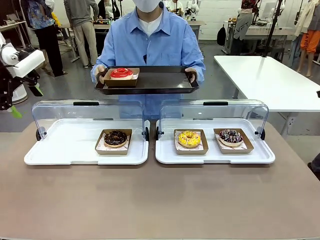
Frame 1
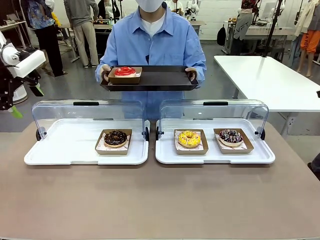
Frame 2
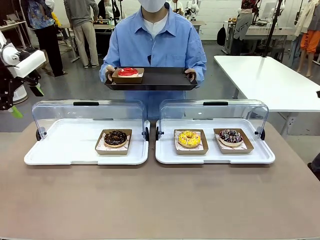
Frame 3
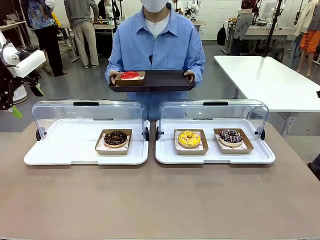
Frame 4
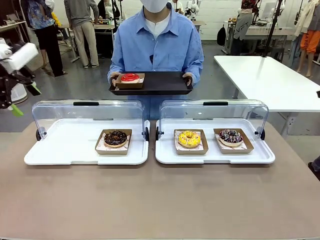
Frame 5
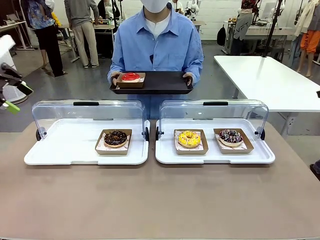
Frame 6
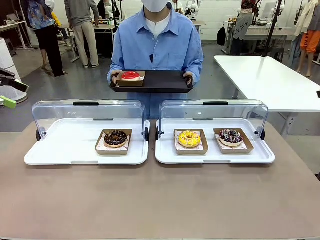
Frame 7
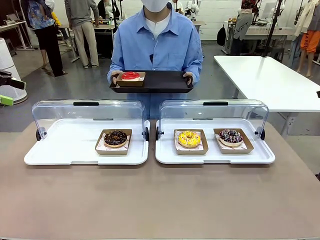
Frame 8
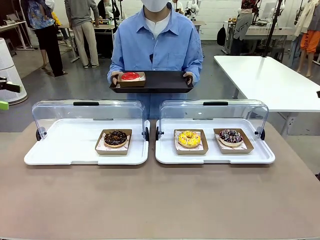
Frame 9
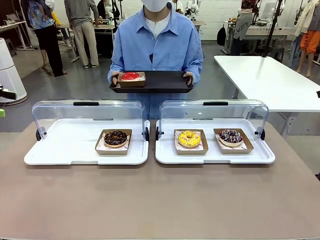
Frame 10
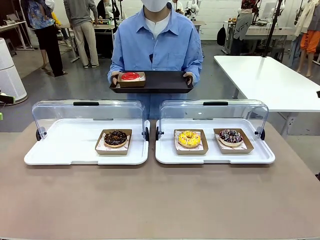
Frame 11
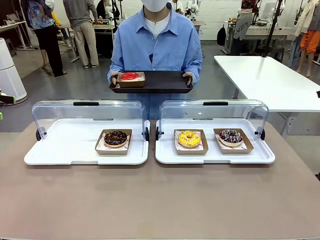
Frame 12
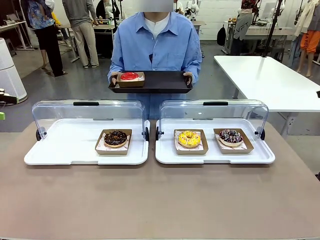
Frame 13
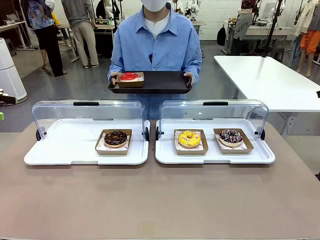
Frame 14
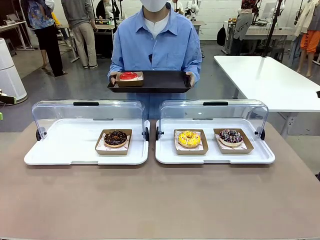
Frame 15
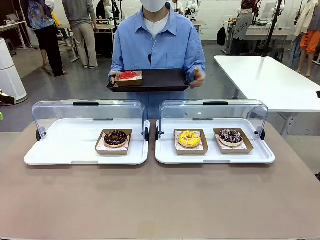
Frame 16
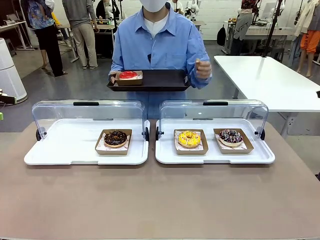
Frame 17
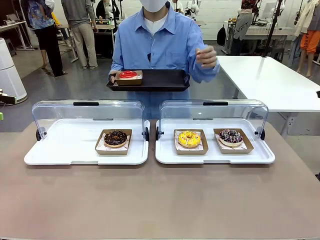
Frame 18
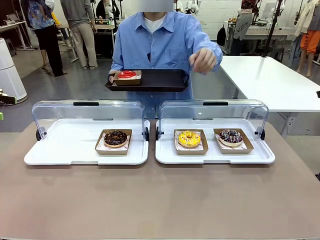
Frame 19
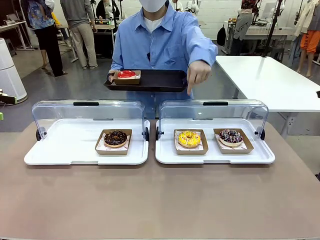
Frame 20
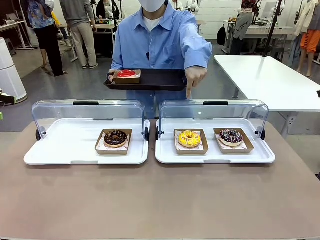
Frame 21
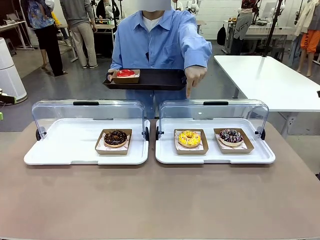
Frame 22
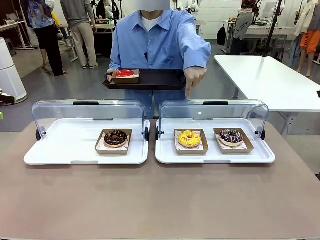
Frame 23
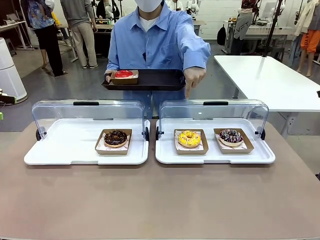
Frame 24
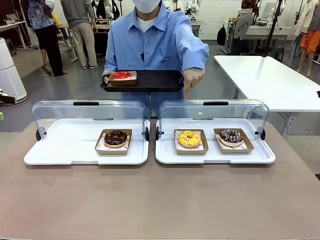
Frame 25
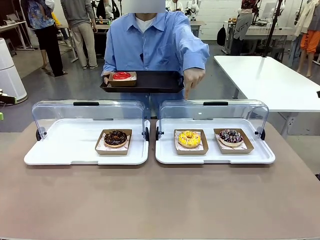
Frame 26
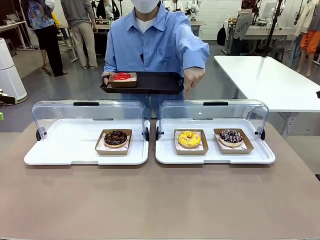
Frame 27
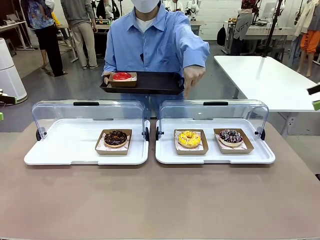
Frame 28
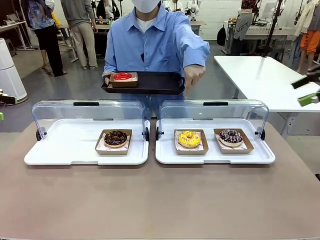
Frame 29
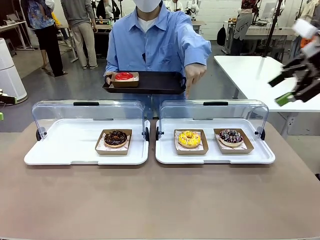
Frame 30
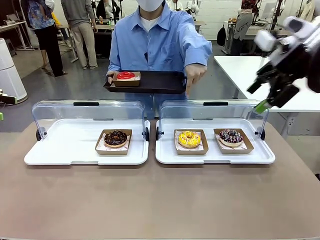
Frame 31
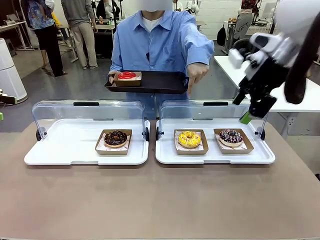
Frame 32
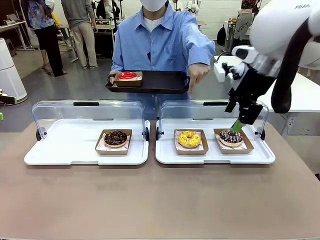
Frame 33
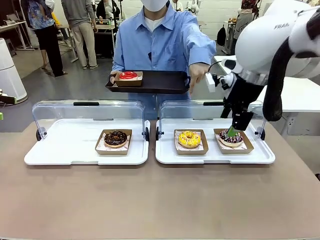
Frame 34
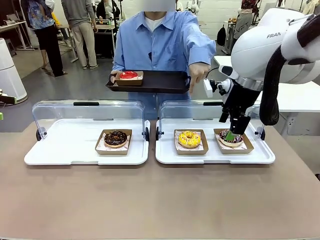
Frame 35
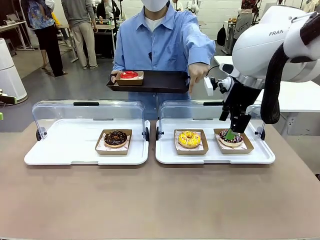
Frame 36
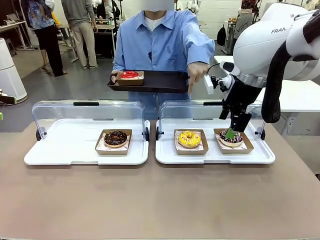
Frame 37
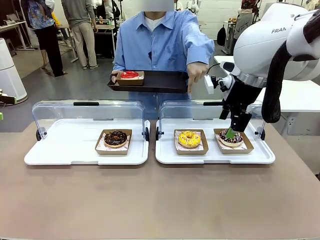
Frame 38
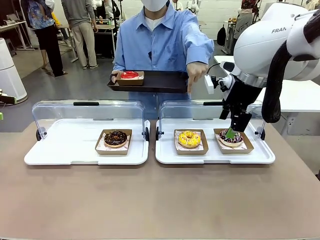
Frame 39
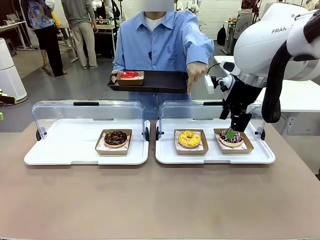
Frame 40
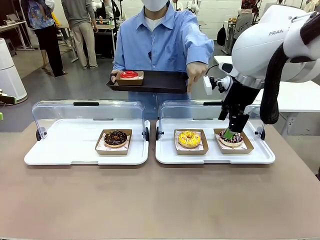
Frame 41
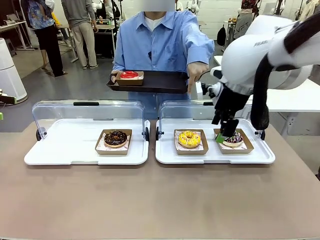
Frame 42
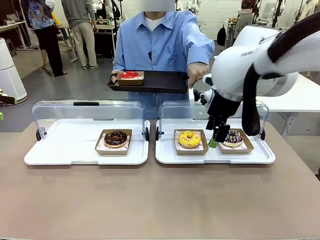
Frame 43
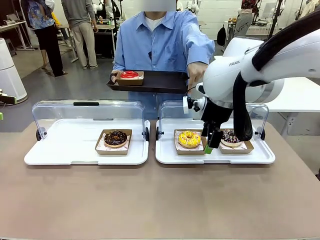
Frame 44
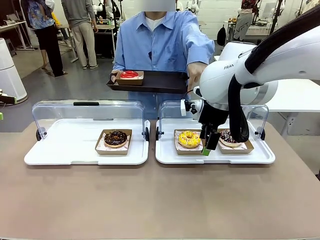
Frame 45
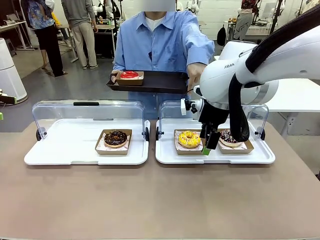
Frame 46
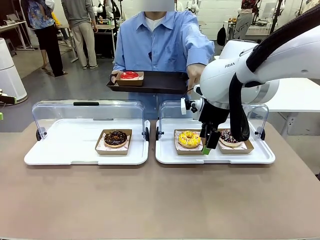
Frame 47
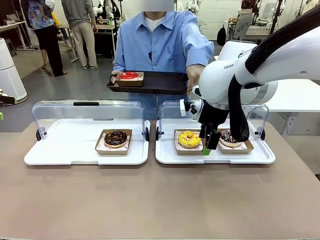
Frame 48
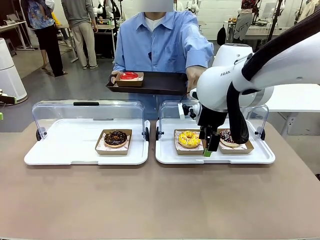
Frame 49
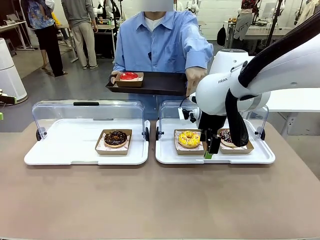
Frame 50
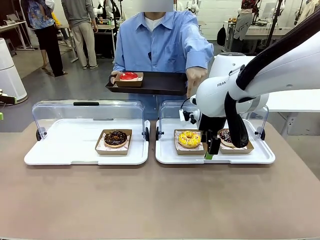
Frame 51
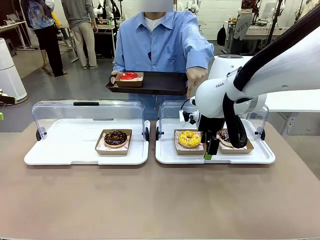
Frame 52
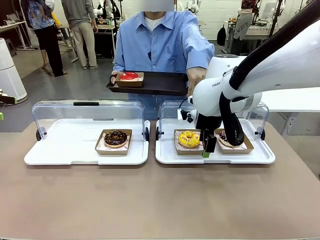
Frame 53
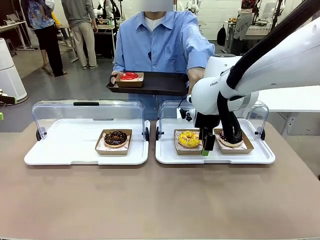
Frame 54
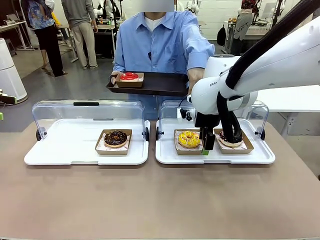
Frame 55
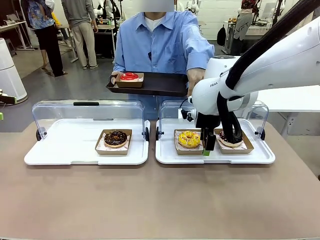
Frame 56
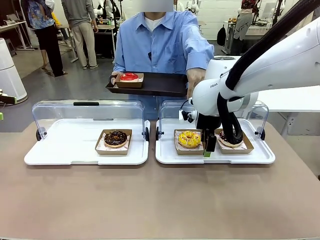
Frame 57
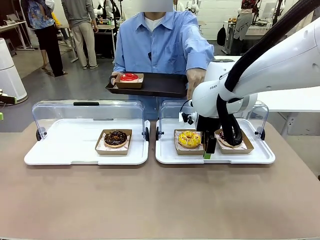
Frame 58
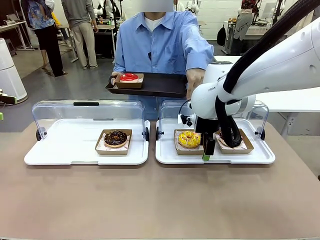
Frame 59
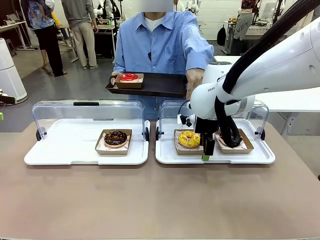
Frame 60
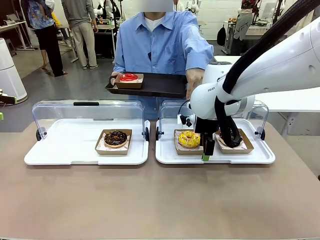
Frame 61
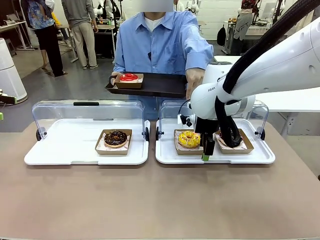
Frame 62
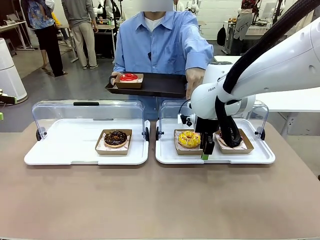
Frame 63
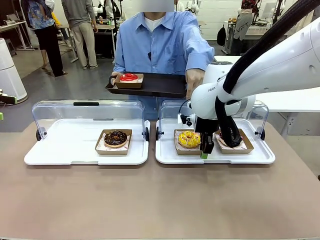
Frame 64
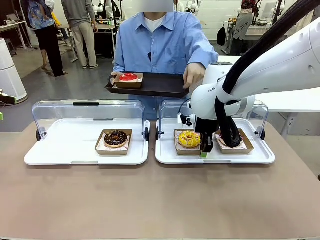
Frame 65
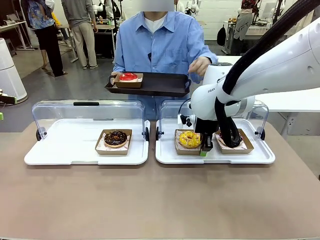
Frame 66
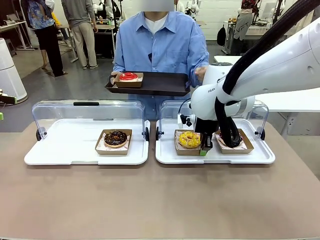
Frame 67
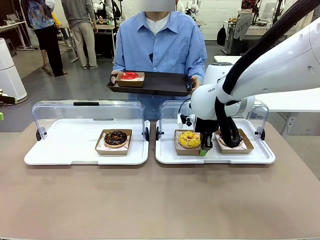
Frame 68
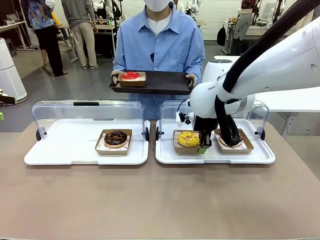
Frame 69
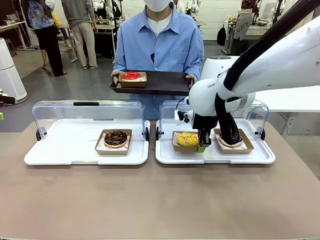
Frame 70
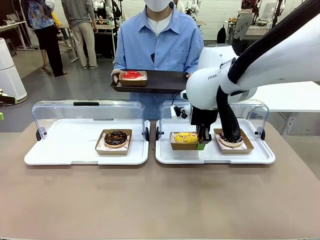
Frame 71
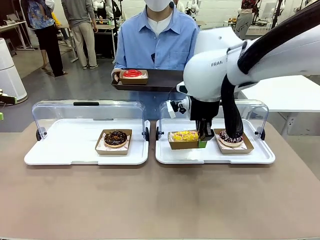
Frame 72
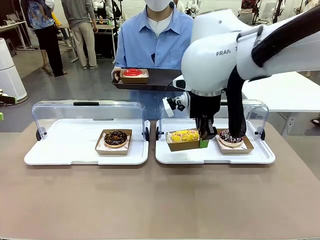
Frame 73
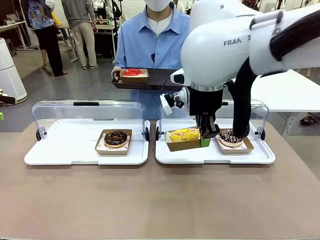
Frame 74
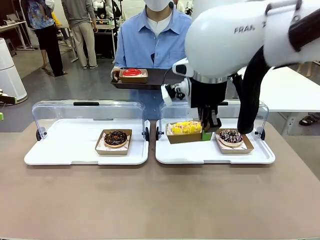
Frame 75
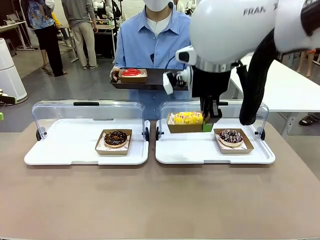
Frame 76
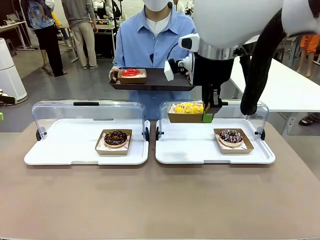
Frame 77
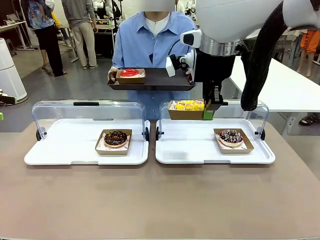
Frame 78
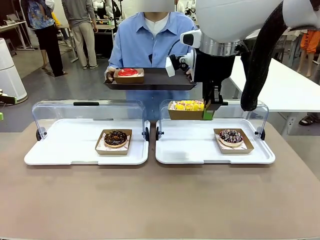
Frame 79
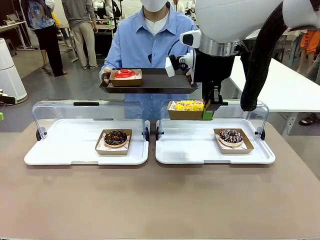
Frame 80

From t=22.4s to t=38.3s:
Task: Provide the desired donut to the person.
Robot: Pick up and lift the Paper togo box containing the Donut pointed at by the person.
Person: Point to one donut. Lift the tray onto the Roll-Top Bakery Case.

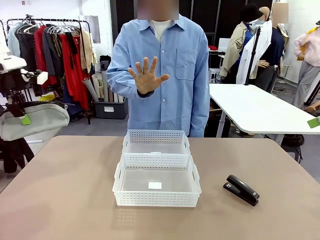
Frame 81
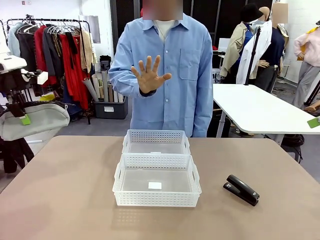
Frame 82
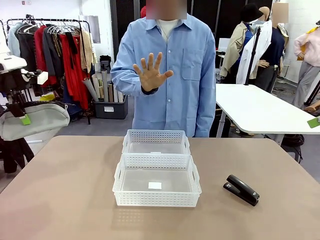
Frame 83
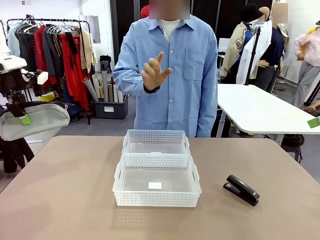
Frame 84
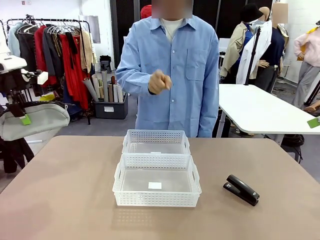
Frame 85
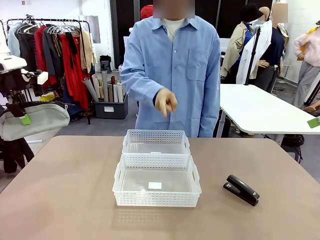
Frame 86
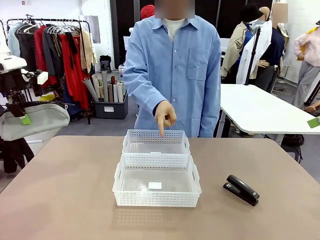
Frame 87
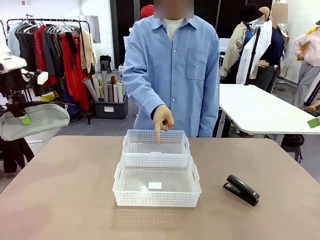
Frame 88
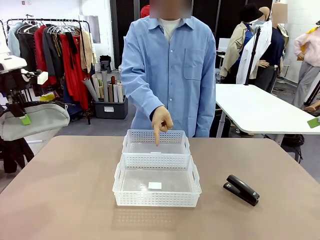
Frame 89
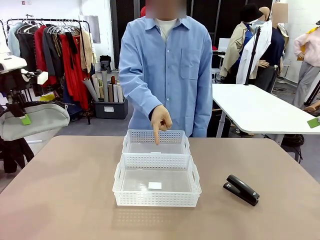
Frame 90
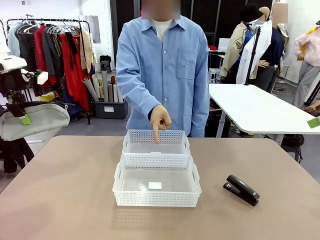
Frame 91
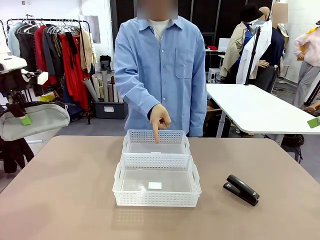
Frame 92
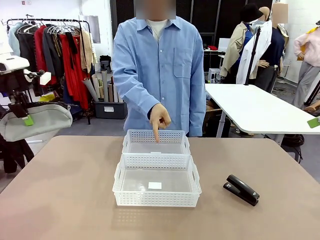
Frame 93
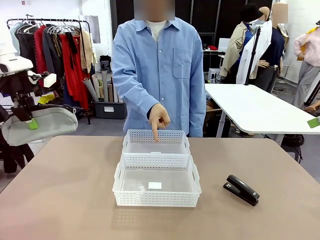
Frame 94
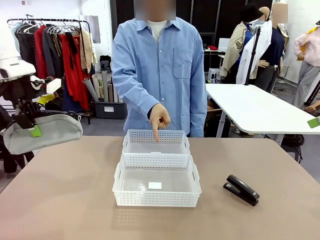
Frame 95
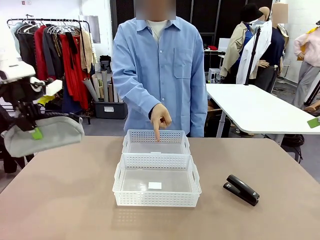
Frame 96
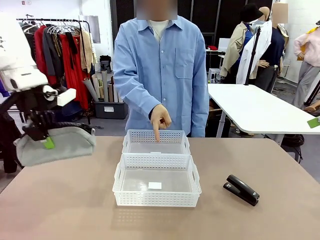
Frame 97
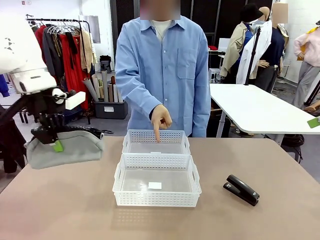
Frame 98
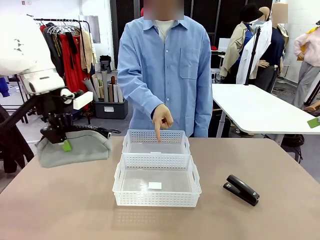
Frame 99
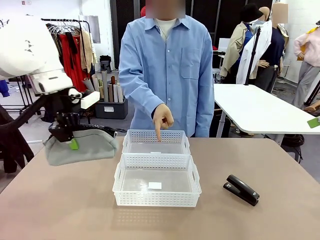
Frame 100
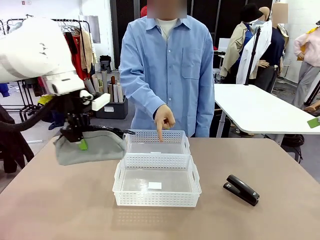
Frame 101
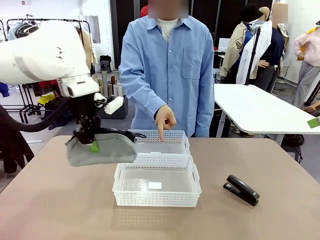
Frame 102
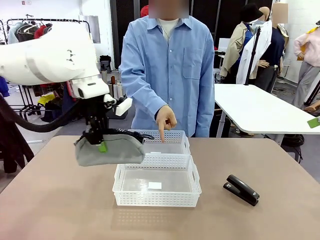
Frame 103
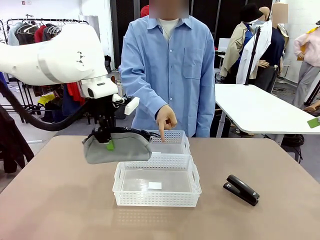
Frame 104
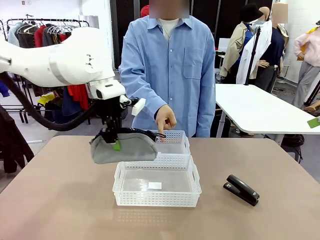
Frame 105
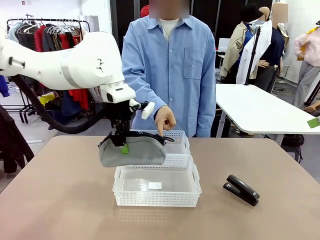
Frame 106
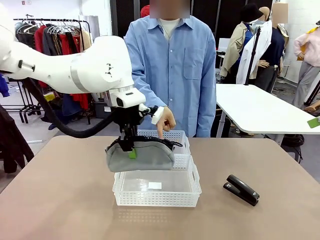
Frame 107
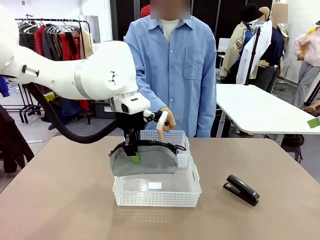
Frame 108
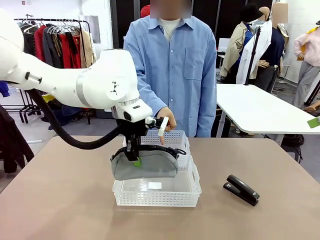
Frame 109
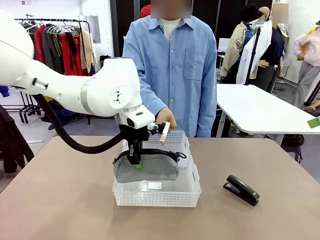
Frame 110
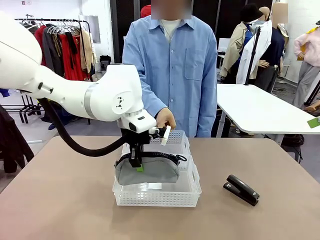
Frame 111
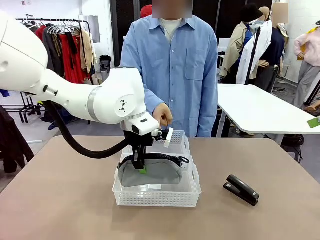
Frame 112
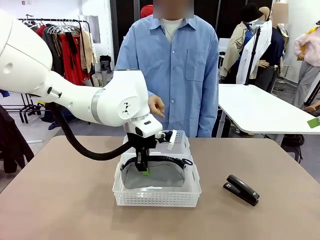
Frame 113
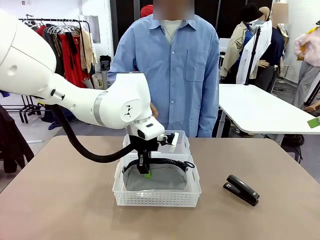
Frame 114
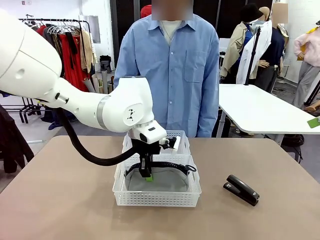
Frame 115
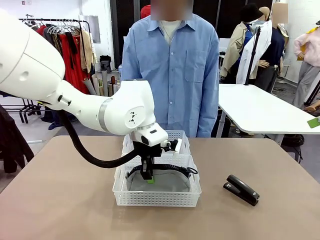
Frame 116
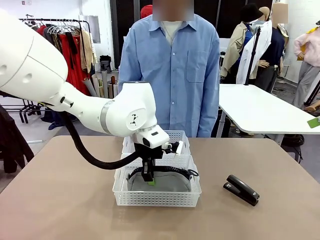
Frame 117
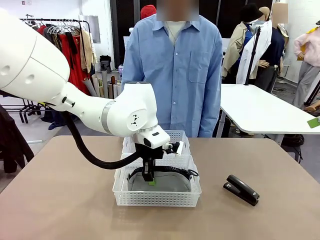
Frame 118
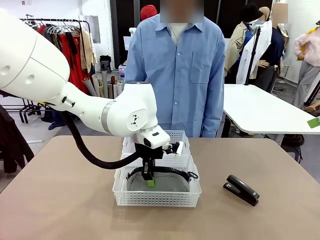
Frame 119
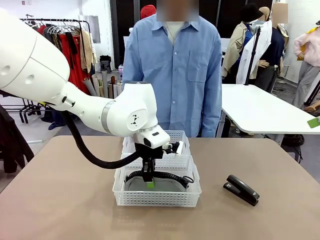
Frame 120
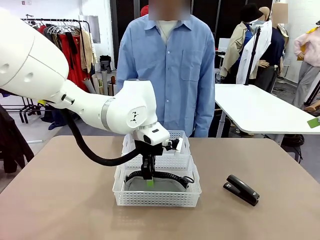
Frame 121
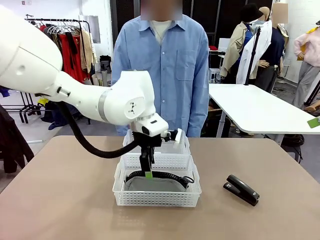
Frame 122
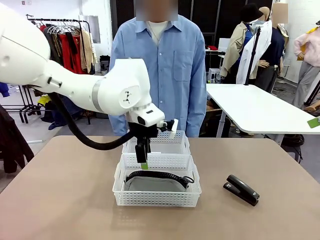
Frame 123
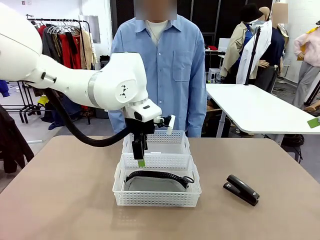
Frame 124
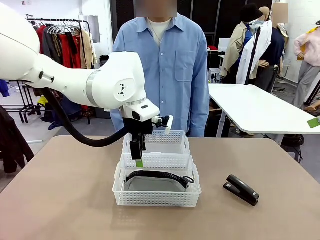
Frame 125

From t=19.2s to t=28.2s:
Task: Distribute items into two baskets.
Robot: Place the picked Pencil pouch into the Organizing basket as instructed by the person.
Person: Instructs the robot to place the pencil case into the opposite basket. Points to the stapler.
